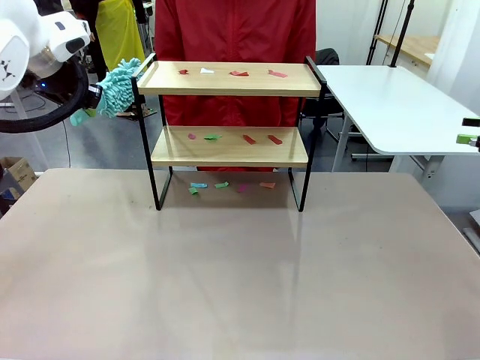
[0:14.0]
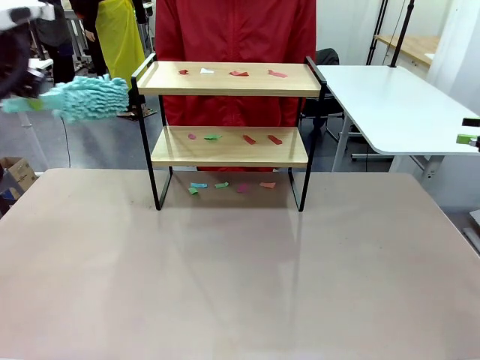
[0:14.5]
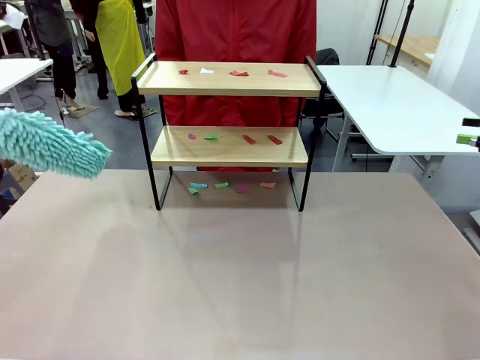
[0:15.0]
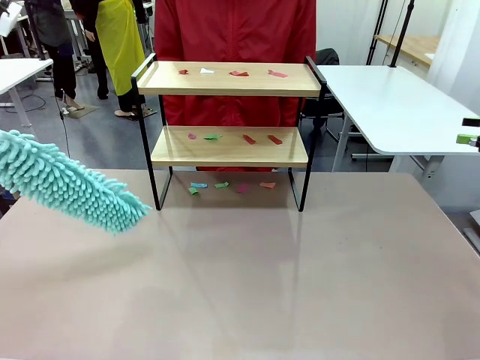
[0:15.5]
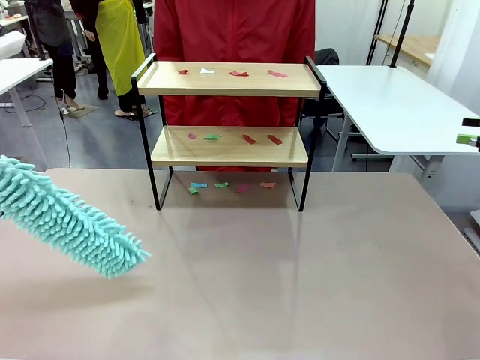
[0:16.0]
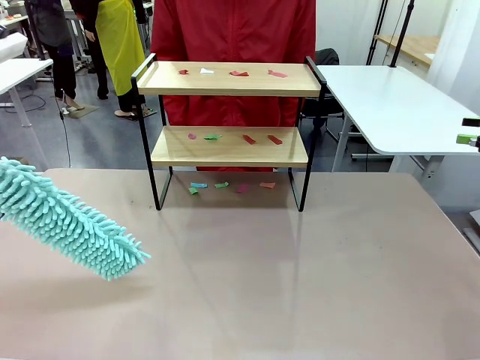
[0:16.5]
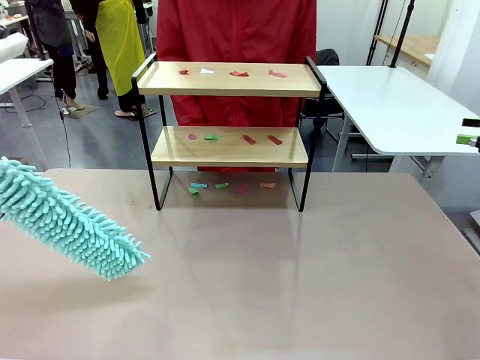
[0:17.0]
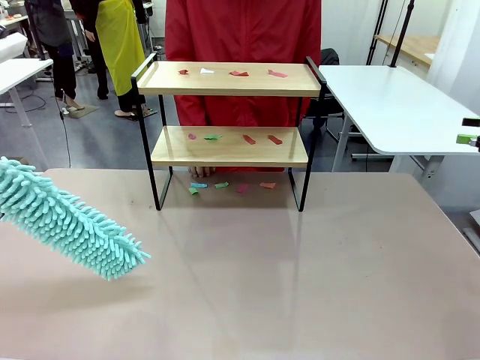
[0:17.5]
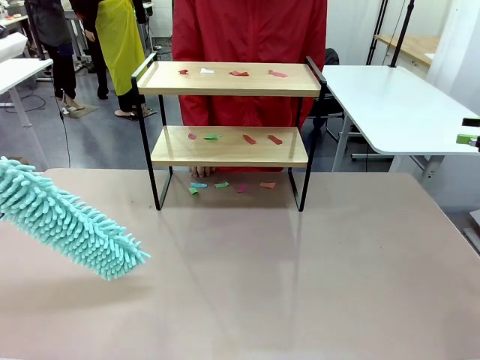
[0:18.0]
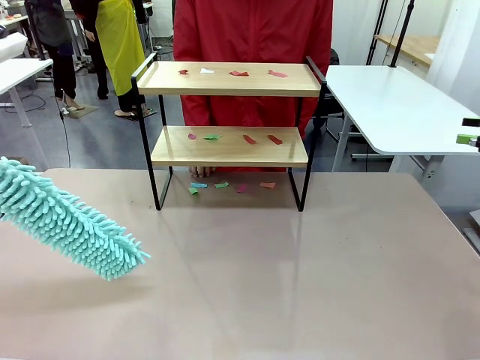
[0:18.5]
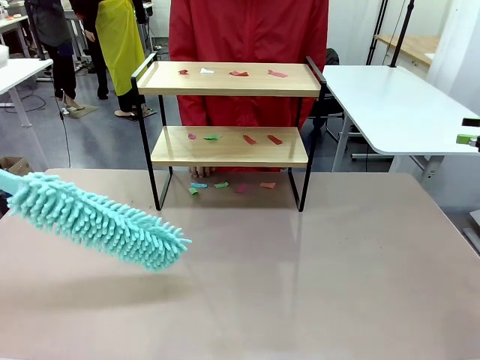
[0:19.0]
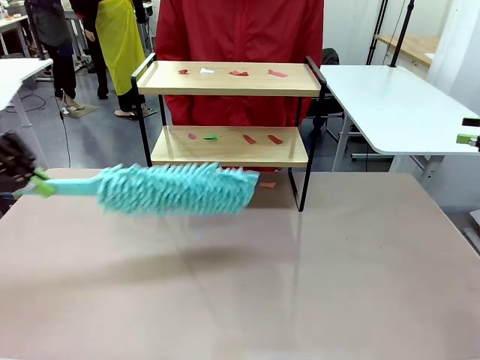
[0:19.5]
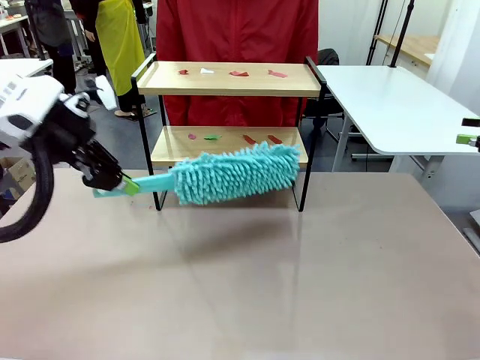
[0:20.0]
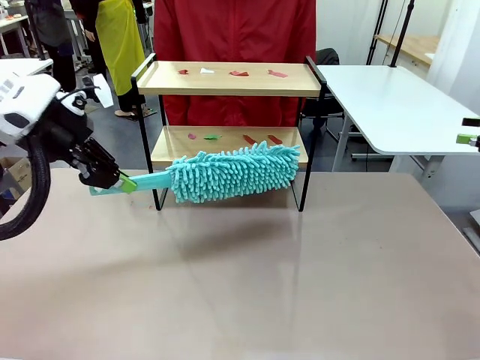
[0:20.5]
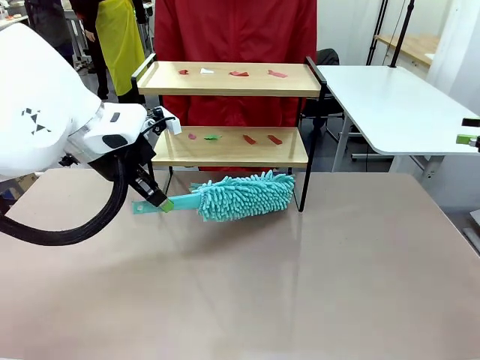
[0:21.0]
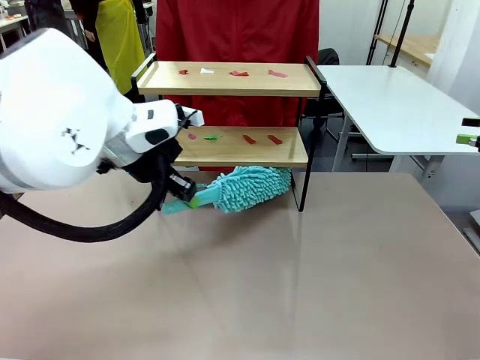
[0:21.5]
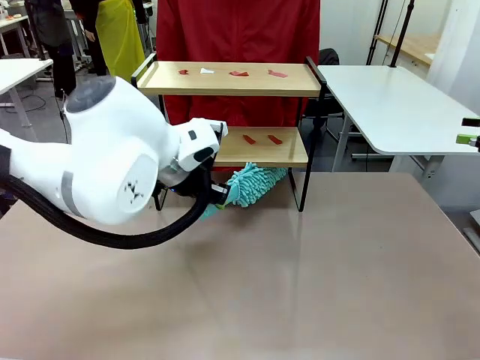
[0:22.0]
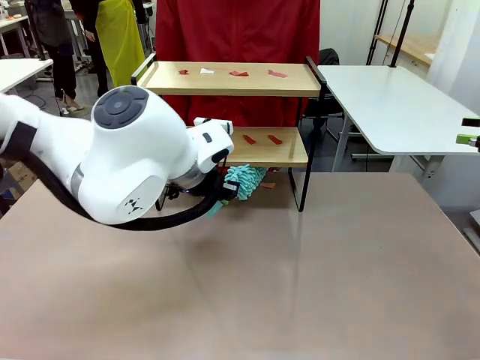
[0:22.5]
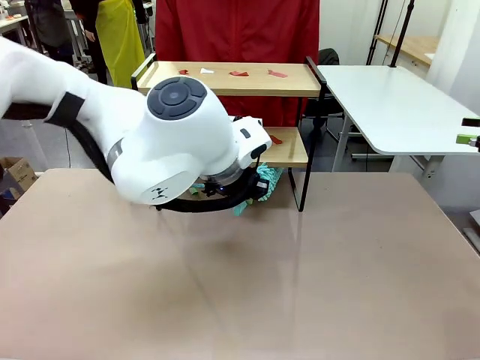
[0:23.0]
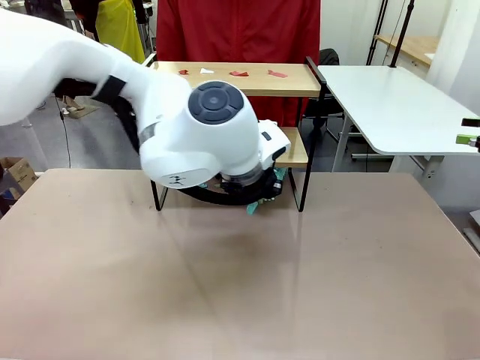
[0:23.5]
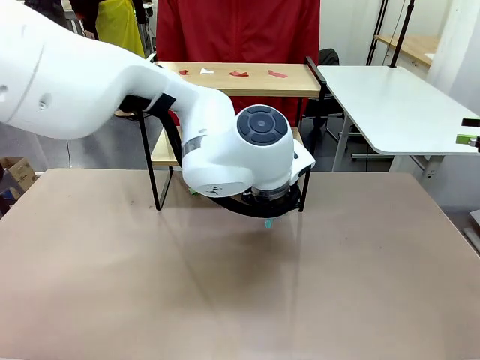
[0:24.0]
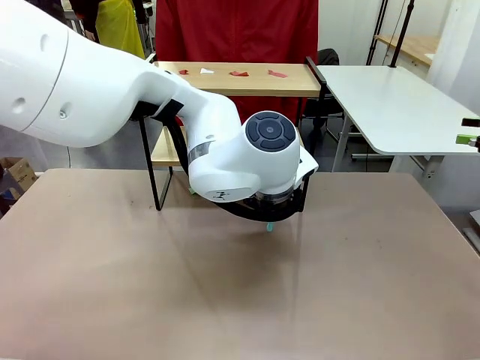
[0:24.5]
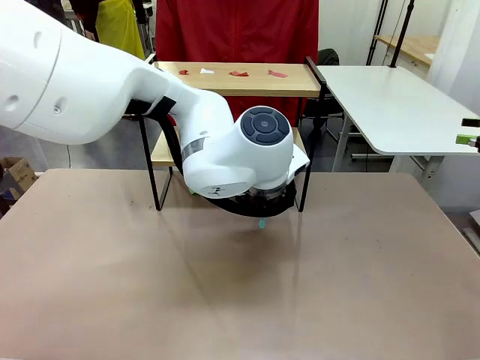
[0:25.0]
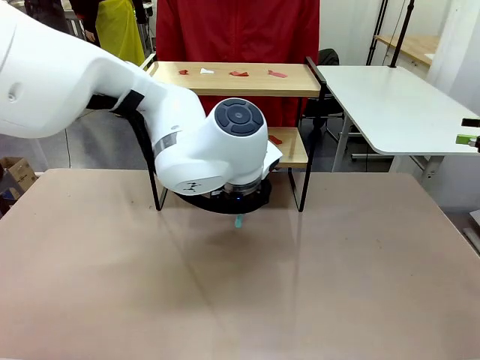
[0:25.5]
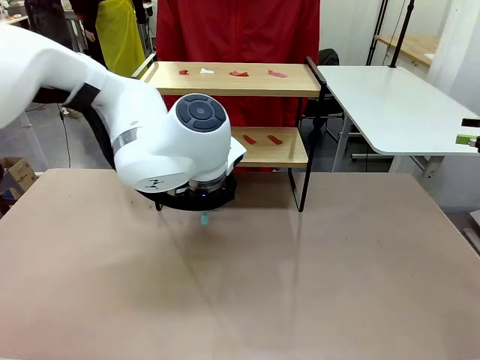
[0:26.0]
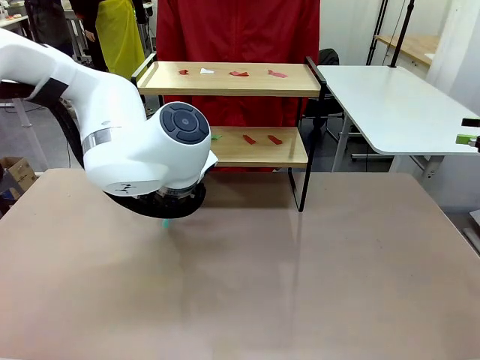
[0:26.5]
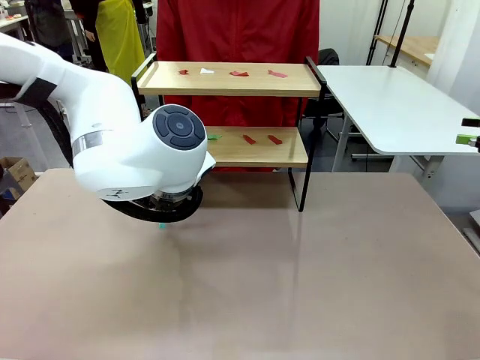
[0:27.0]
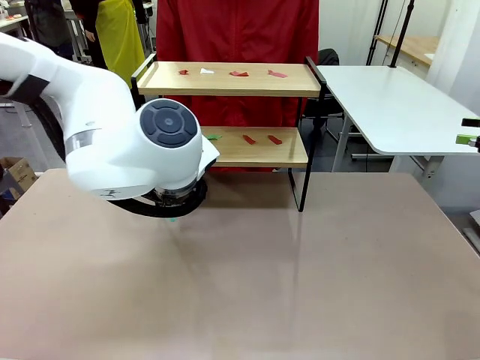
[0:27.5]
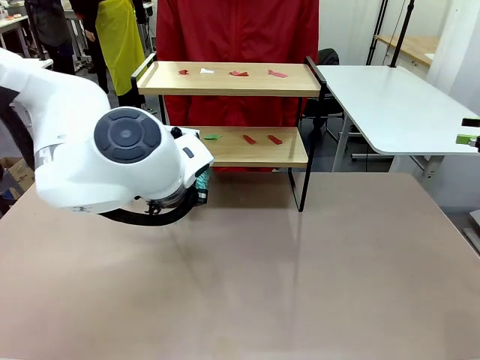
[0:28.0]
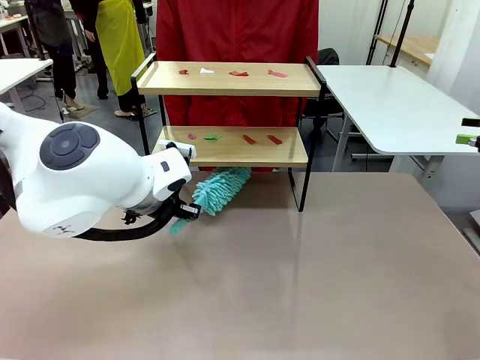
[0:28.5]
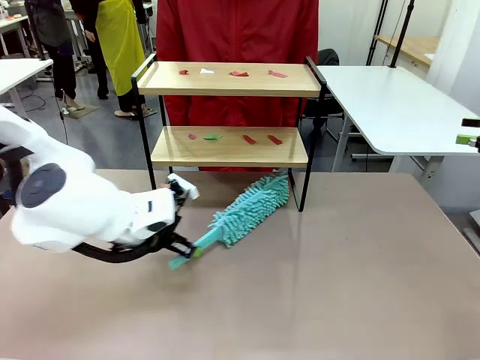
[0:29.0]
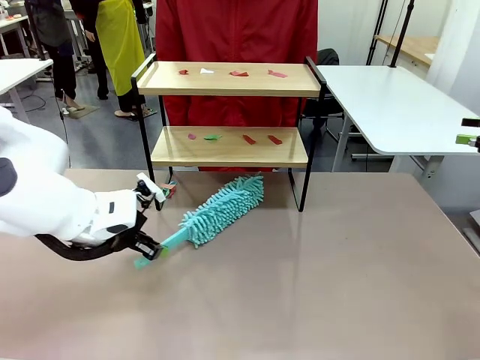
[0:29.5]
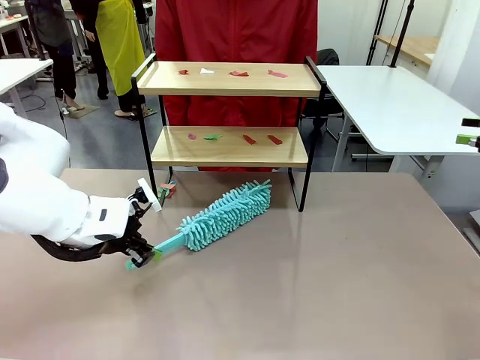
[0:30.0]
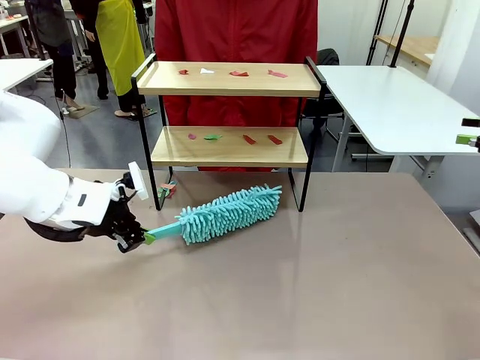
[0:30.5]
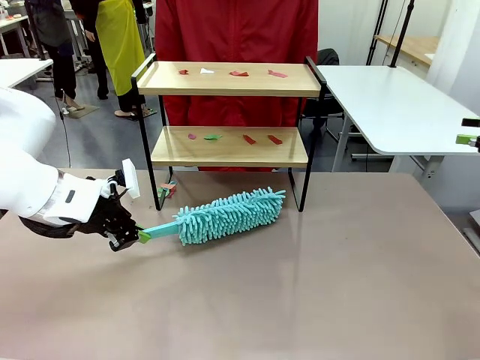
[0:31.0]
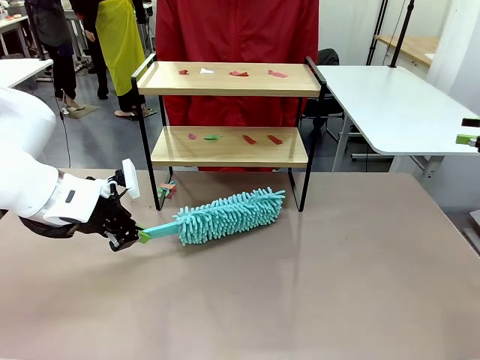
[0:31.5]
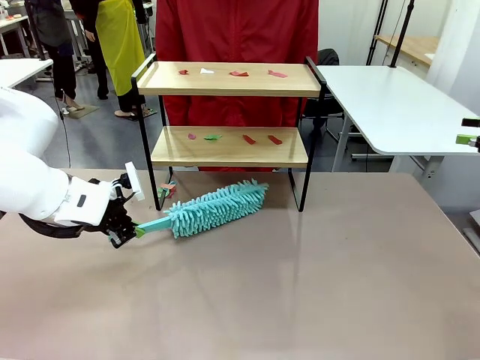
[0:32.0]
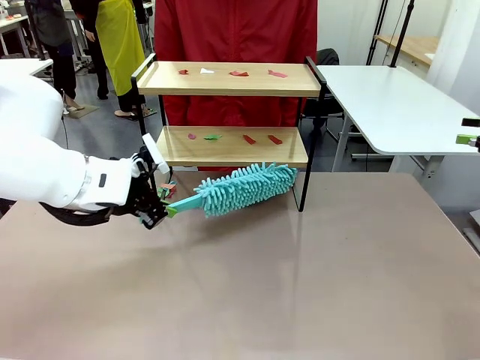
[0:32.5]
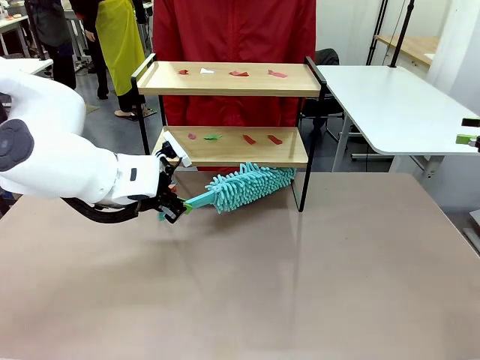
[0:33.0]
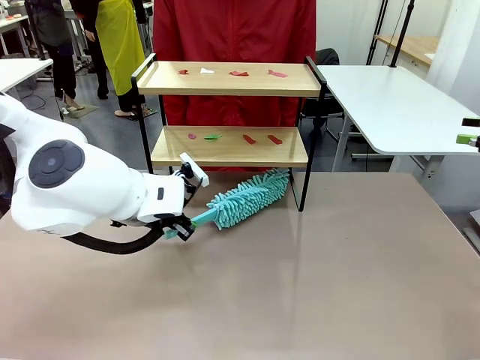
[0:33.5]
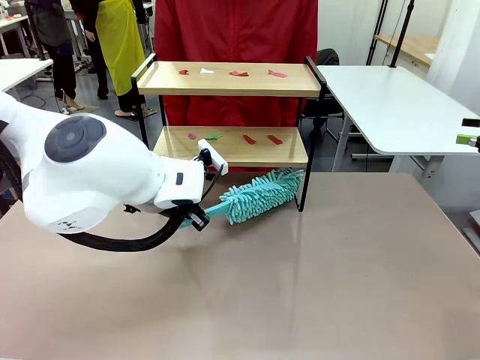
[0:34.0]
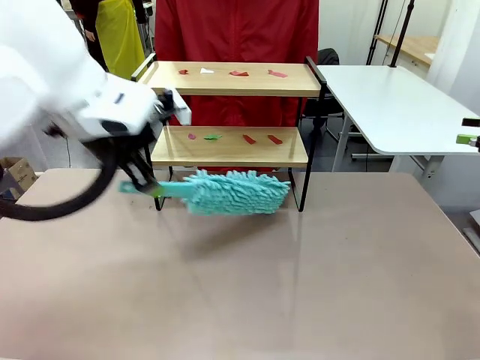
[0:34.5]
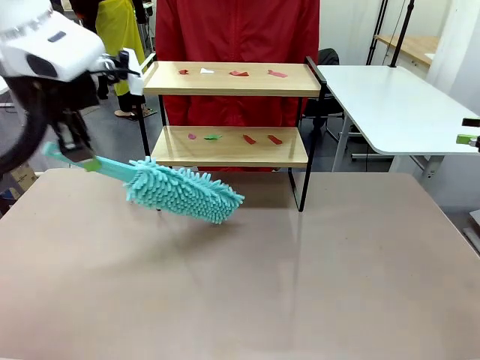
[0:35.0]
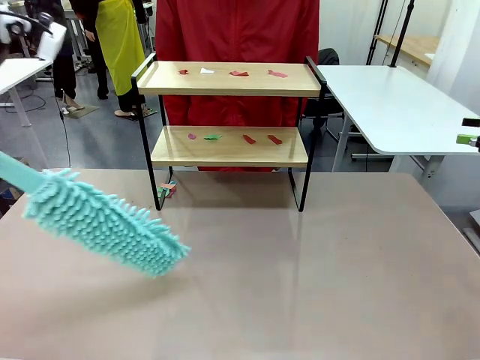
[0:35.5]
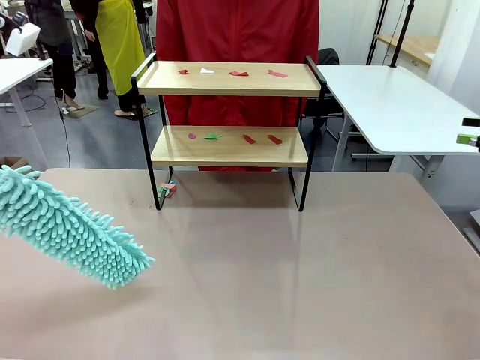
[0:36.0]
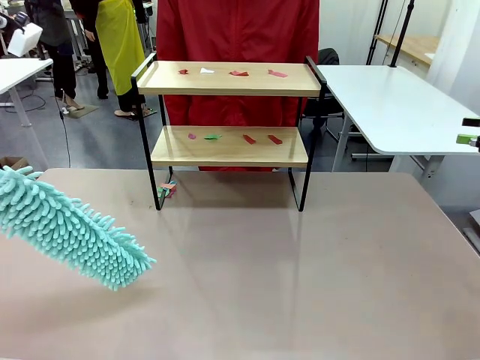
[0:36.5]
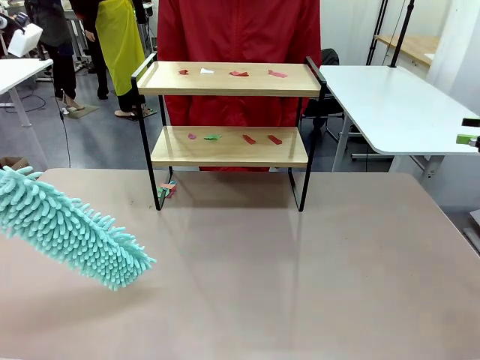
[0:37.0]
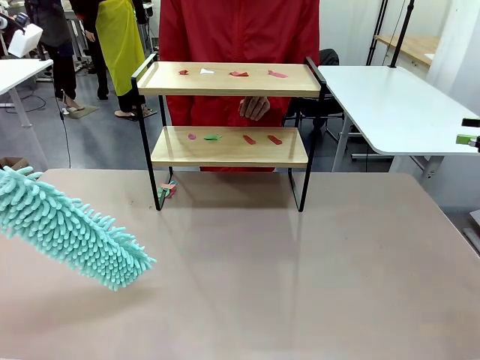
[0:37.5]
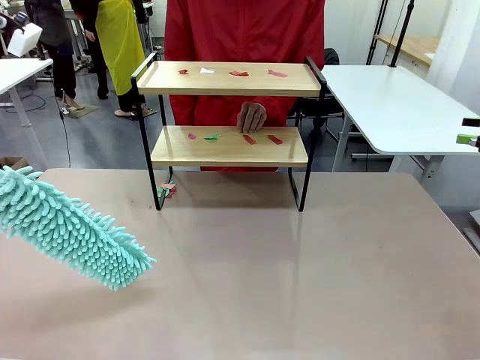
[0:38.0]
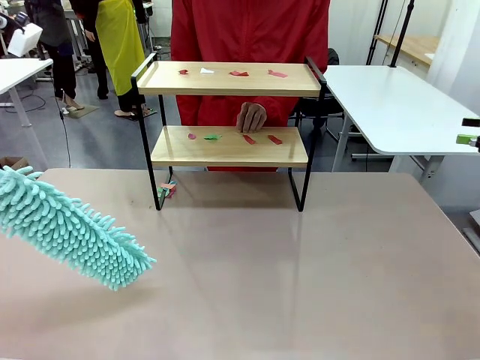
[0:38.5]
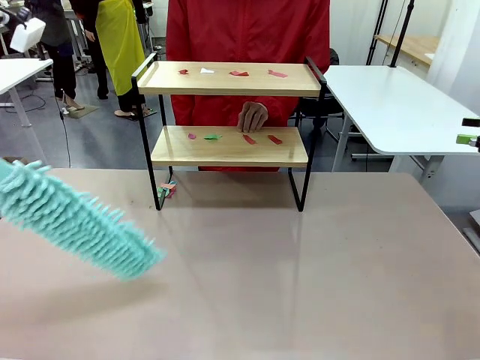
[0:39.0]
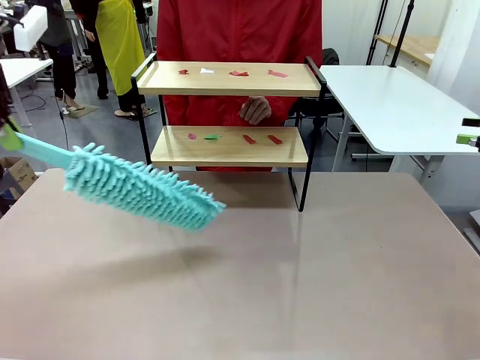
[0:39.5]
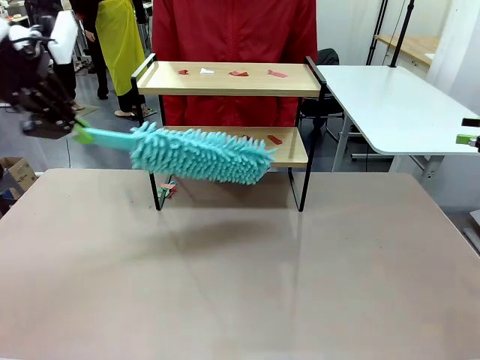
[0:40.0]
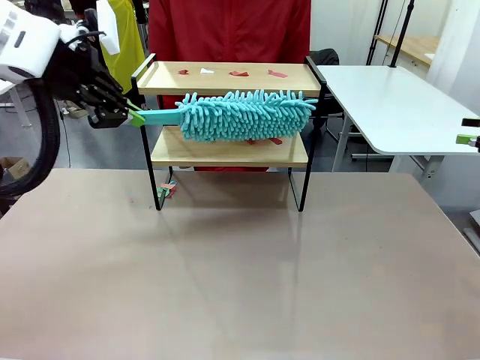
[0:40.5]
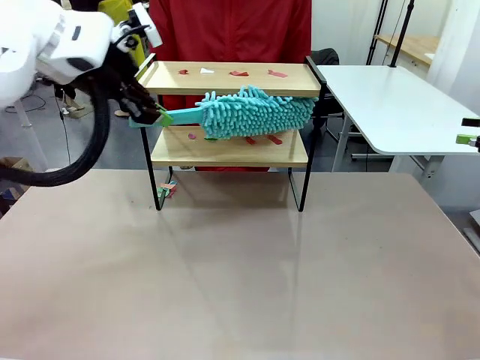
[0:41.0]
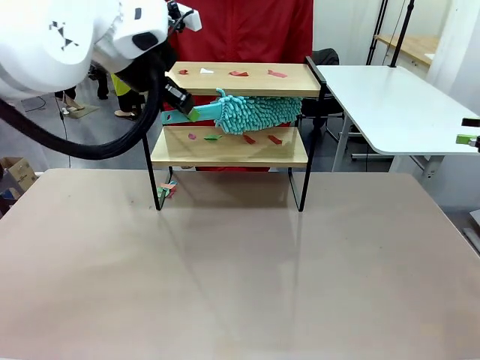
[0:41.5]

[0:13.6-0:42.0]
Task: Clean the shelf.
Robot: Clean the specific section of the Shelf indicated by the human with the Duster.
Person: Point a random section of the Shelf.
